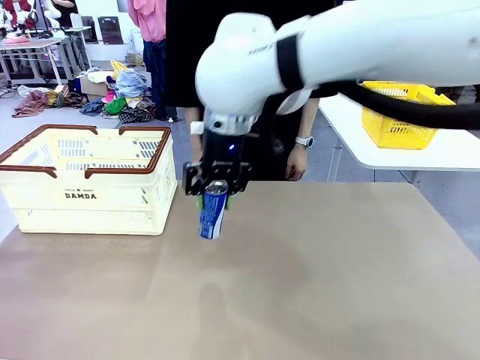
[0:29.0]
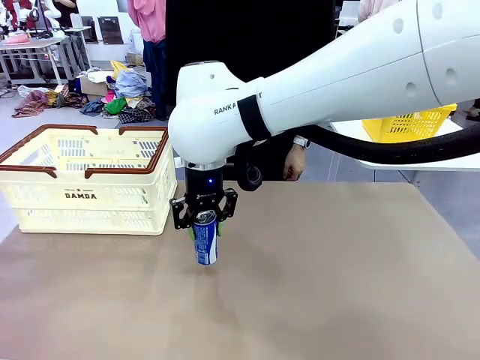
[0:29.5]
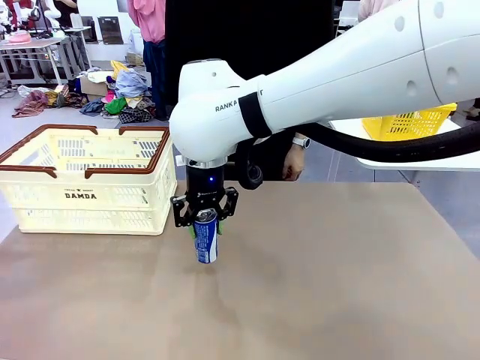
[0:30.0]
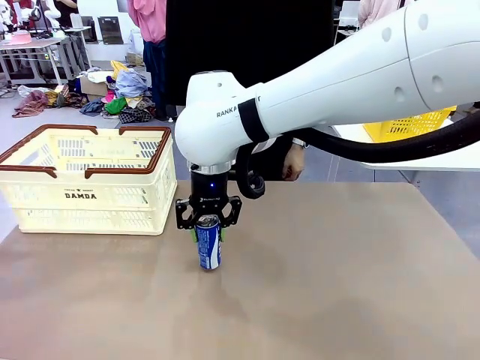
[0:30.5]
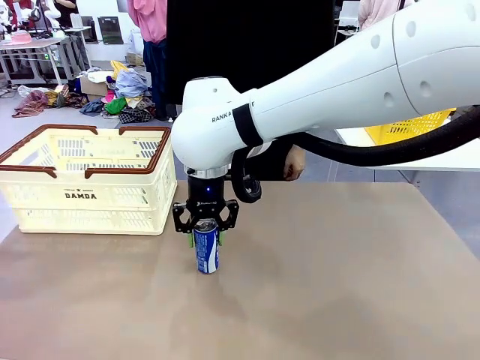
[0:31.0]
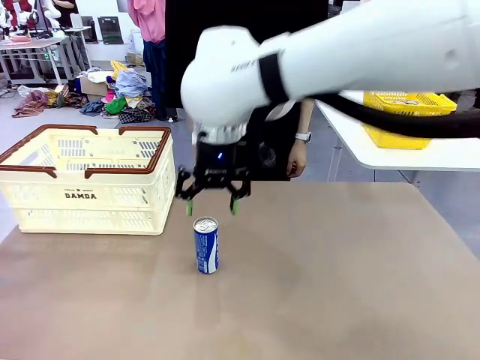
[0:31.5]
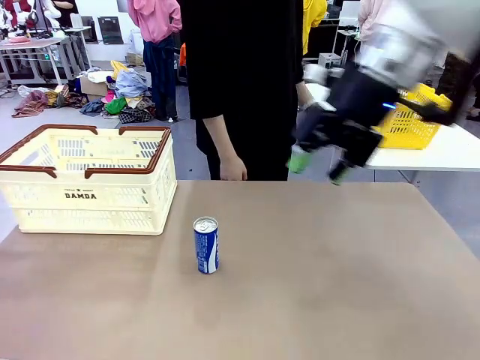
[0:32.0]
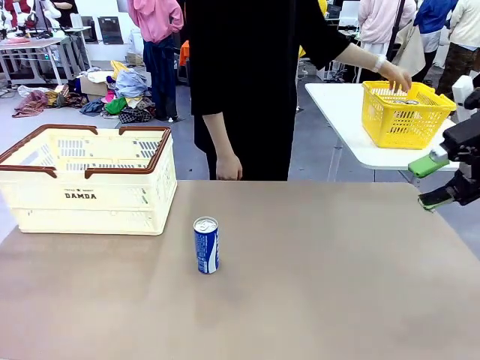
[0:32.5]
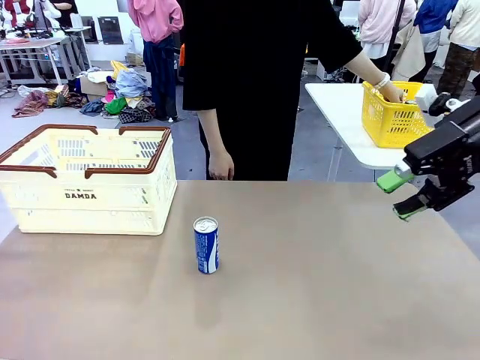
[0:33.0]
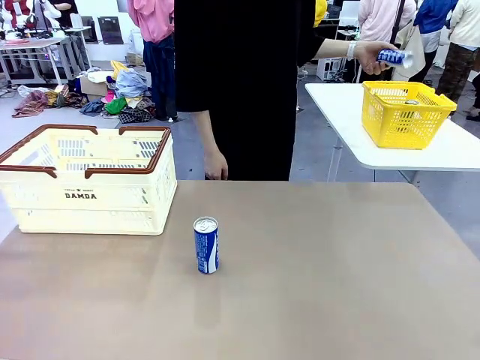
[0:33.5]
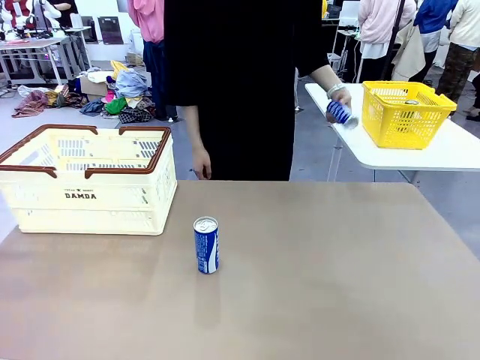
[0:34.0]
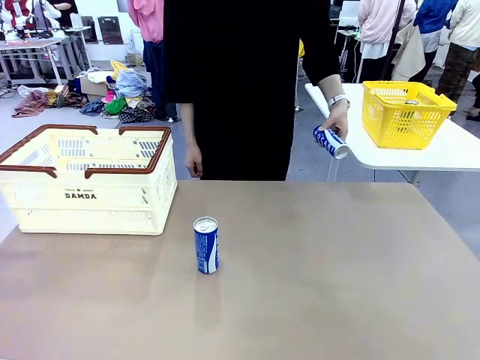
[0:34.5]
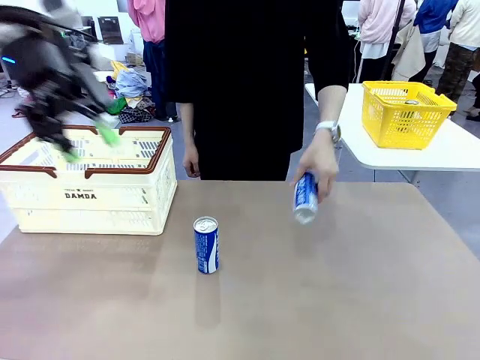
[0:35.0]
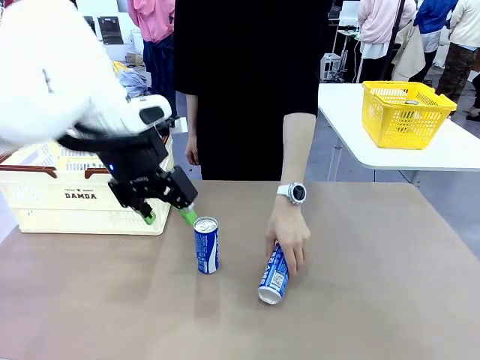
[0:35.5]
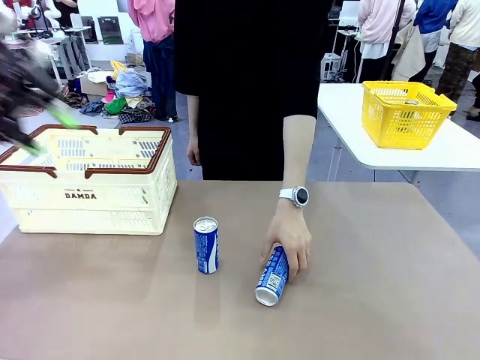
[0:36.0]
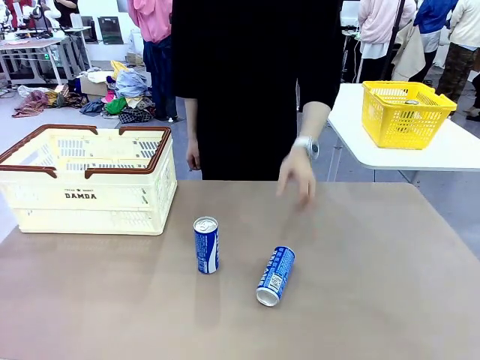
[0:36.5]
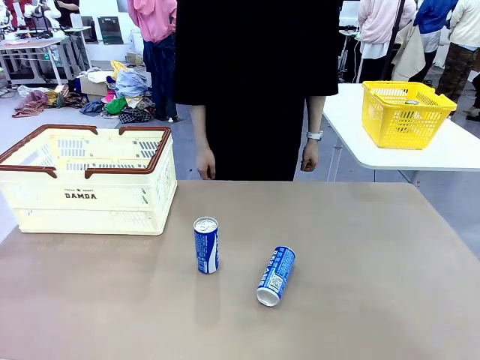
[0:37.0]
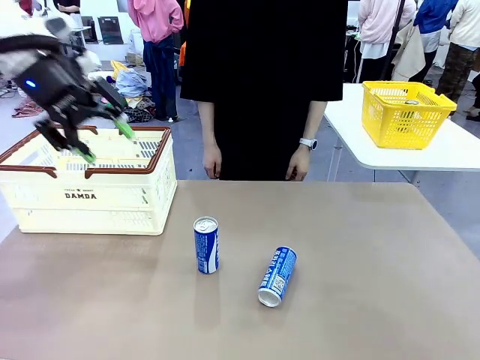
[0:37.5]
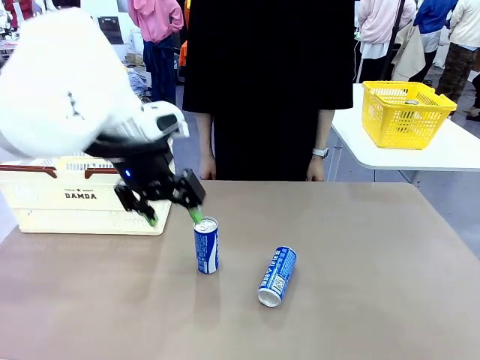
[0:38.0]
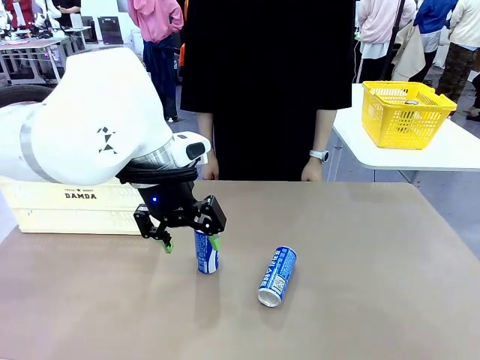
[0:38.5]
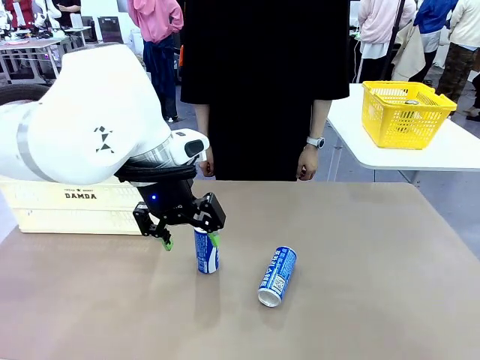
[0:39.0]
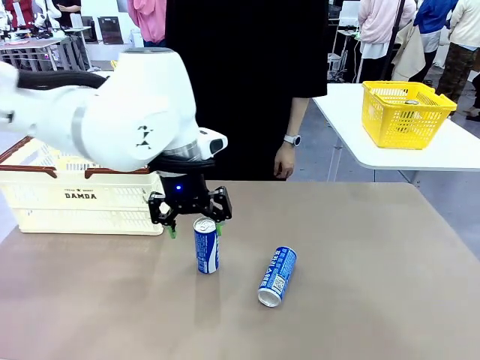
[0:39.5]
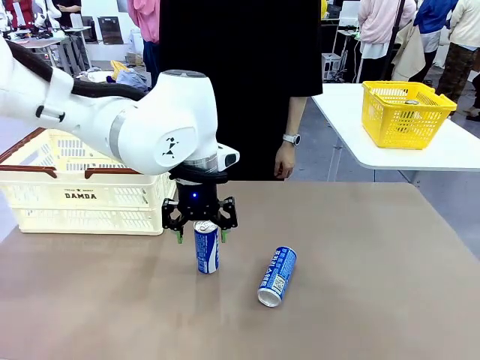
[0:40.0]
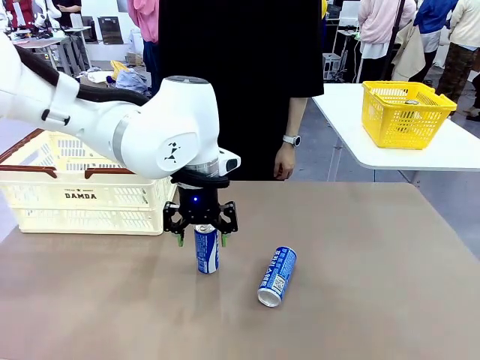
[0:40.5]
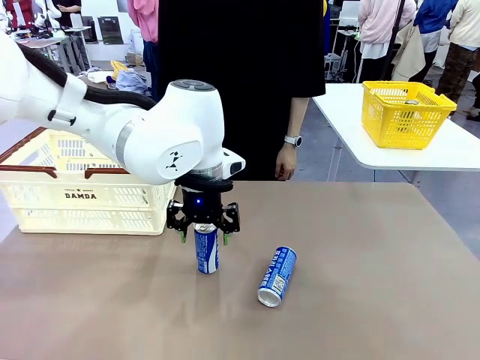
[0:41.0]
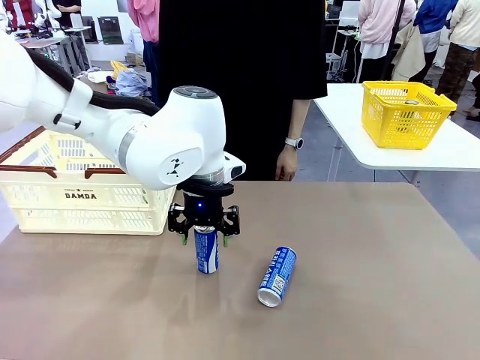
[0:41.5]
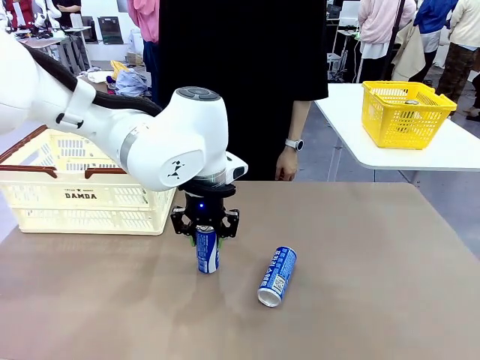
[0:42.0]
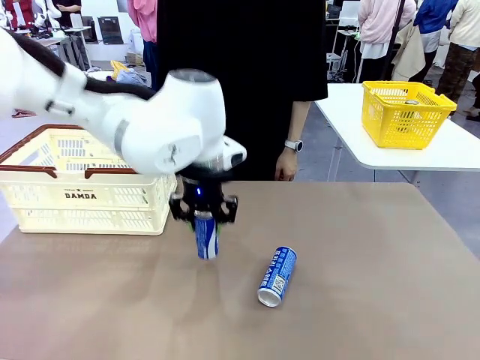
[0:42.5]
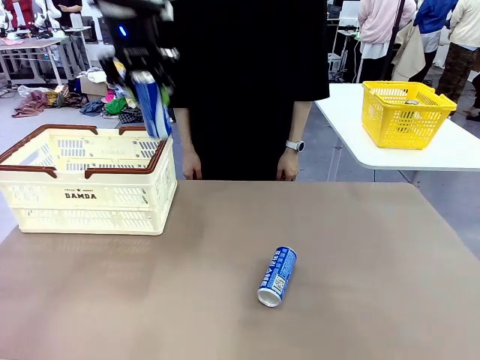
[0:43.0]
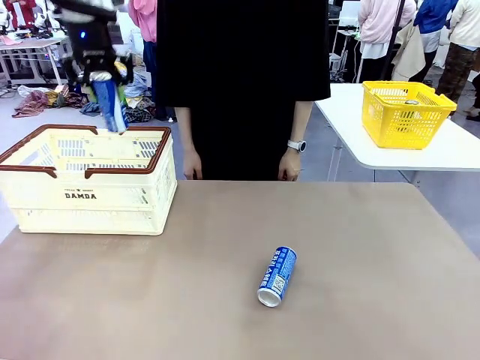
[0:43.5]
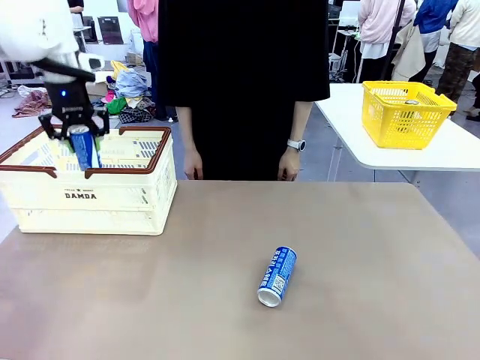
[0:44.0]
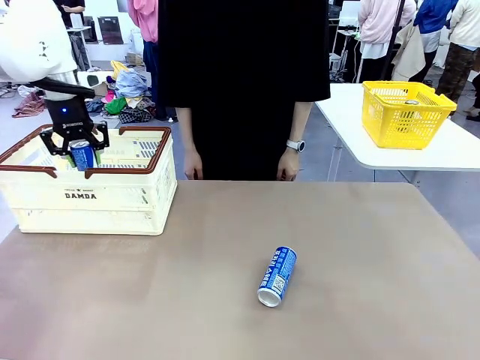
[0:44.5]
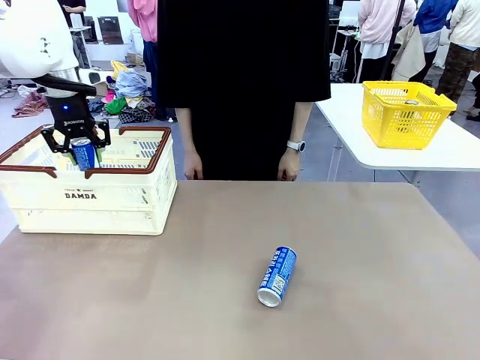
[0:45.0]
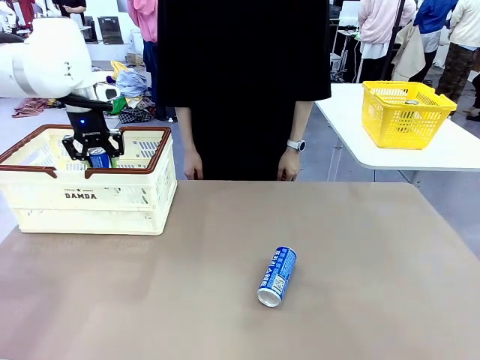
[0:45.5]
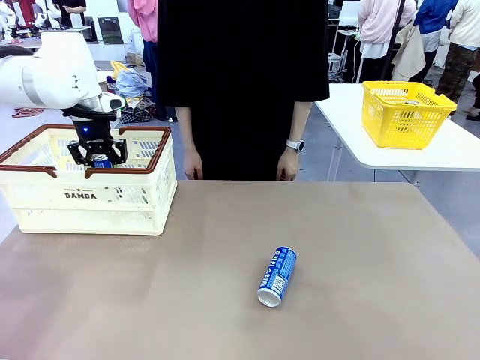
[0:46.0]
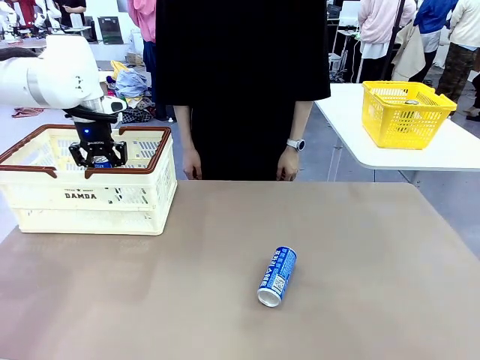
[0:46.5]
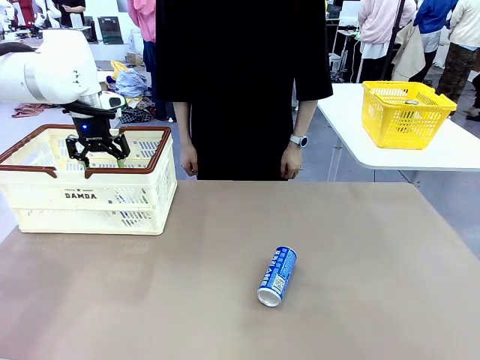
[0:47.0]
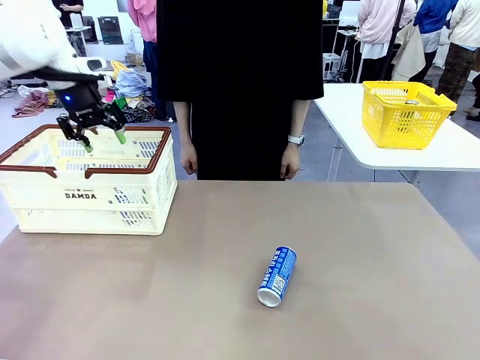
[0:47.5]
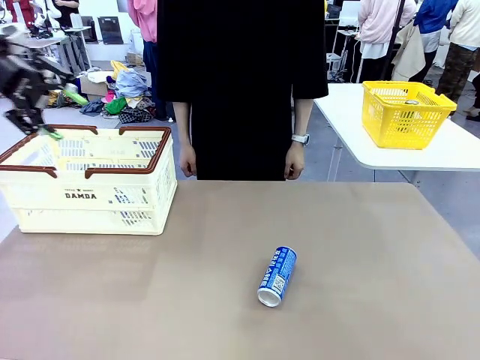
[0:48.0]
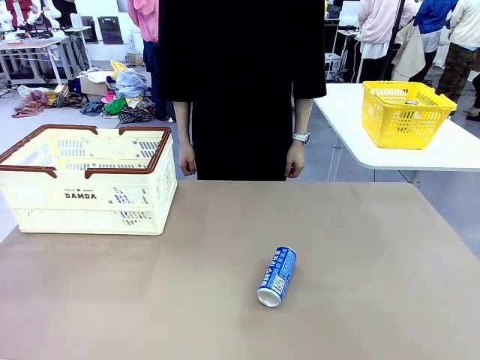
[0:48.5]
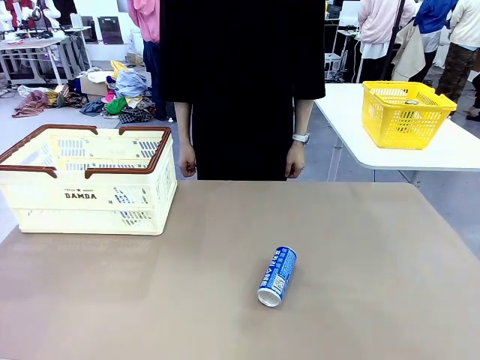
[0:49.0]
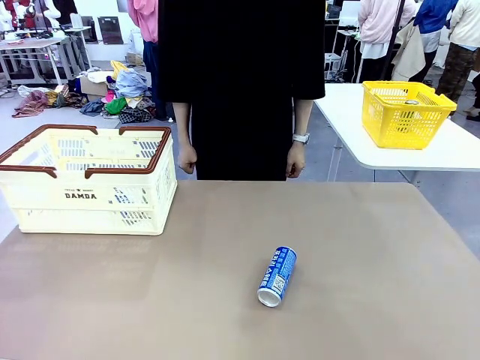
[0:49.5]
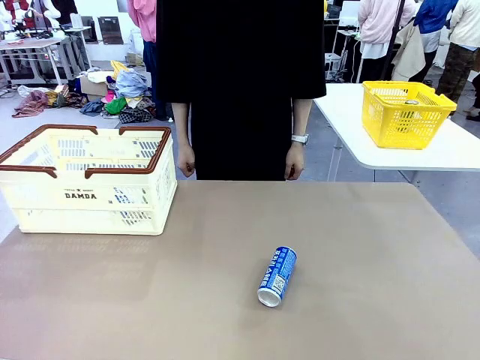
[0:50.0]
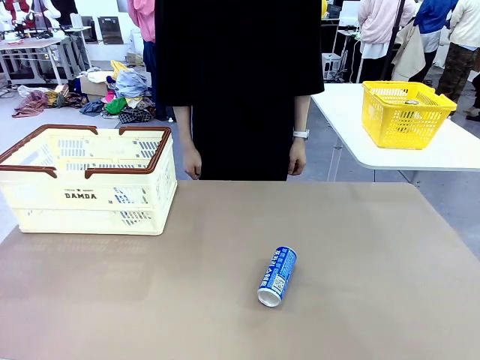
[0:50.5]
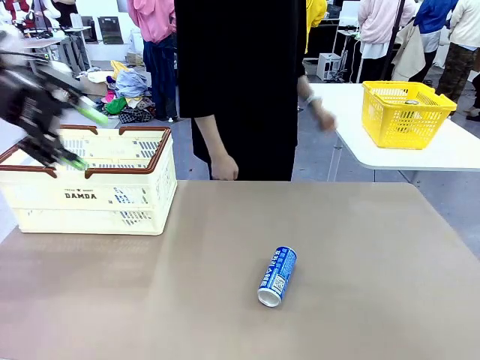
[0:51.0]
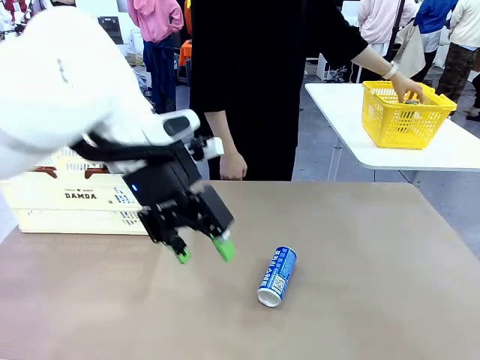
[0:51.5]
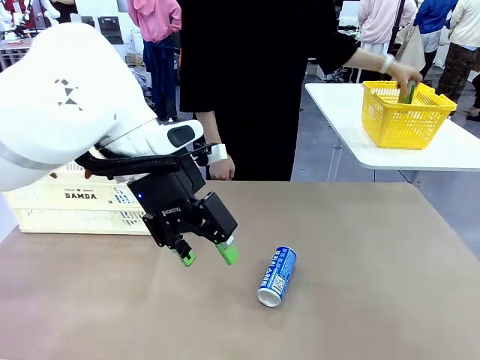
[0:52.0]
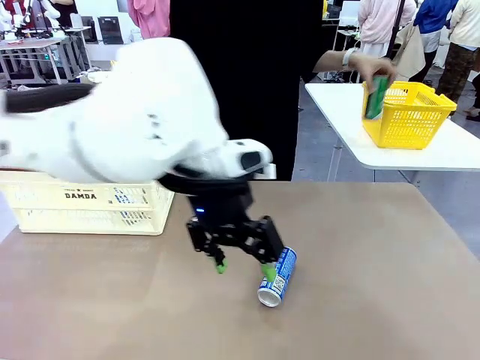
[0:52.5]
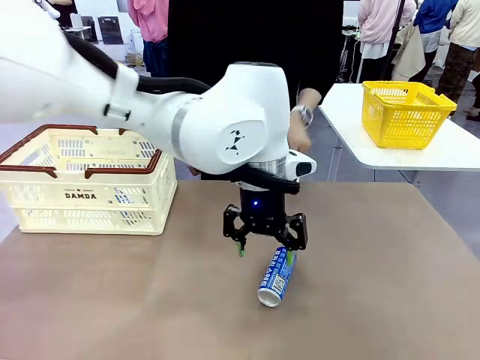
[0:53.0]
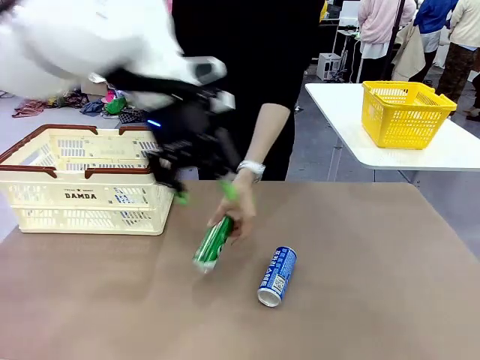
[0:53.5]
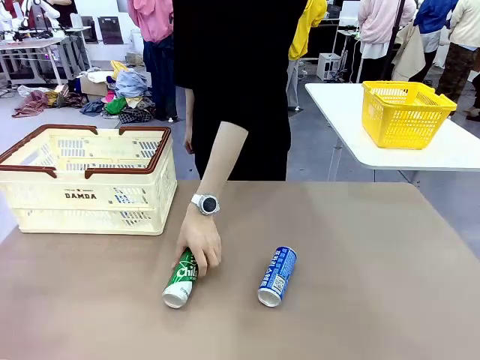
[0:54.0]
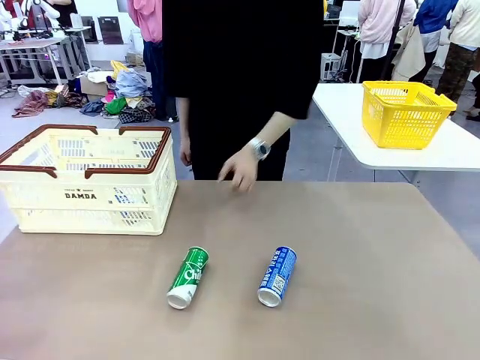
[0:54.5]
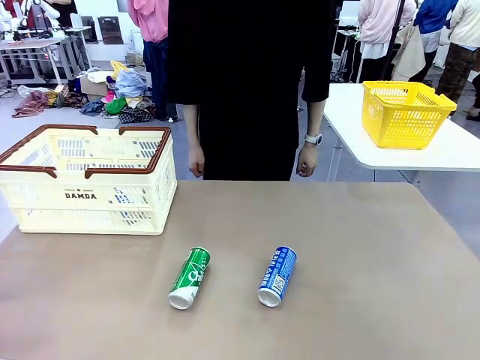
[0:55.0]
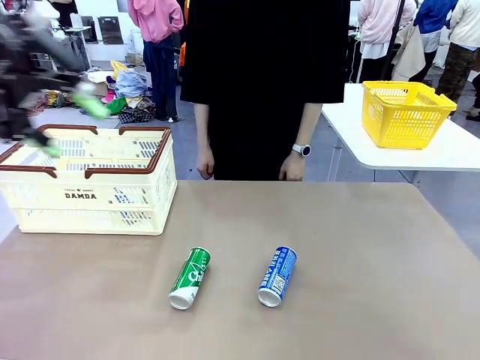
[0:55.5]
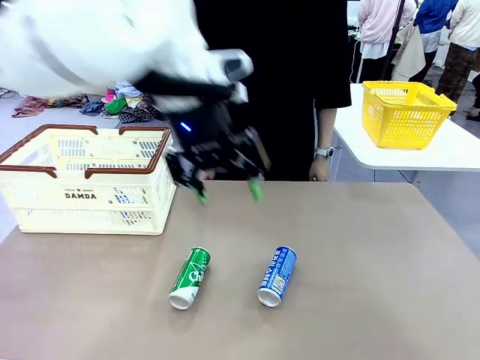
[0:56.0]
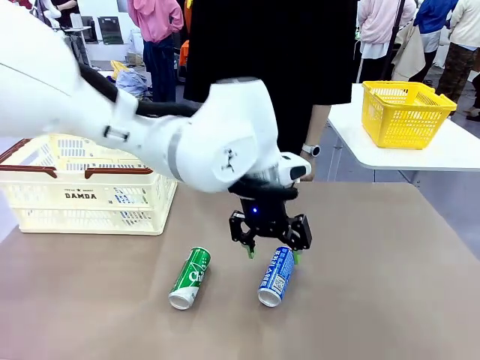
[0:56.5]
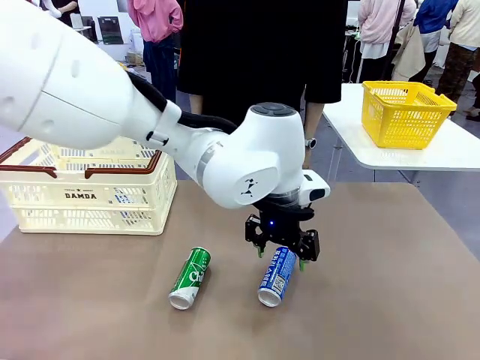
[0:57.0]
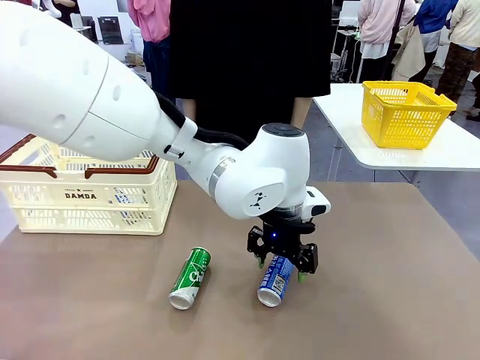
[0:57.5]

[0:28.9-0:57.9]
Task: Place the drinks into the Shopping basket.
Robot: Pick up one drink and place it into the Shopping basket.
